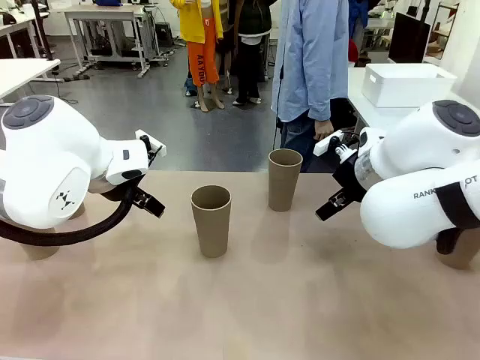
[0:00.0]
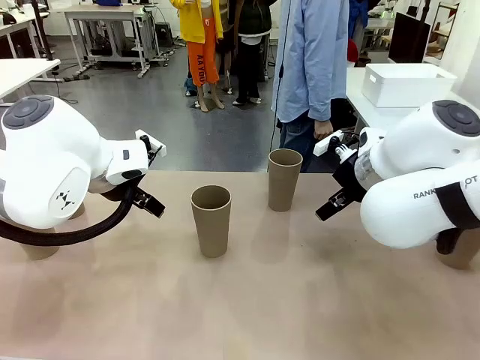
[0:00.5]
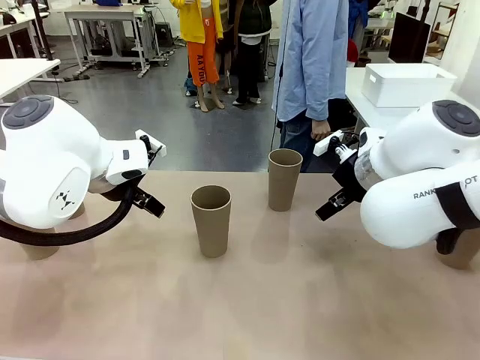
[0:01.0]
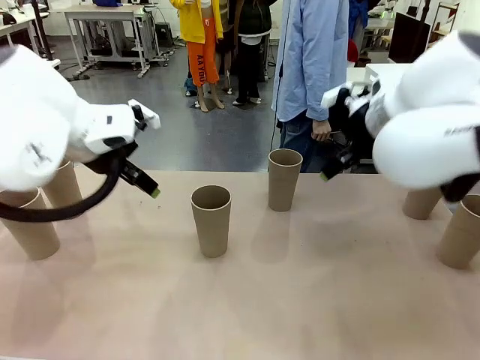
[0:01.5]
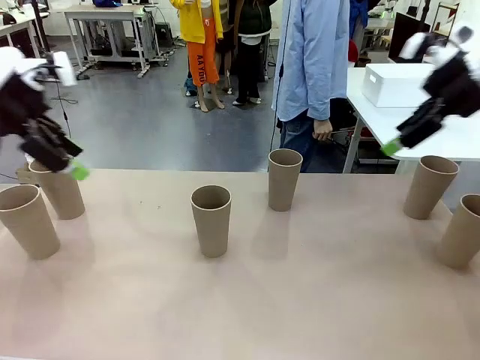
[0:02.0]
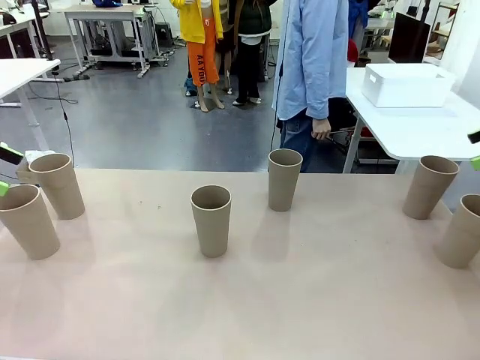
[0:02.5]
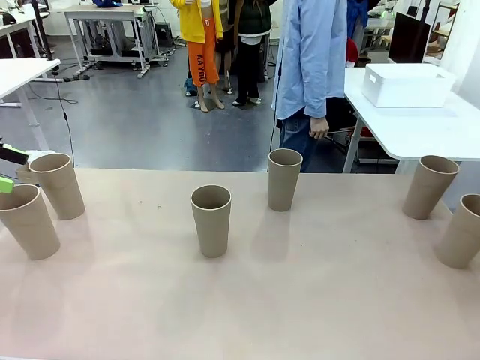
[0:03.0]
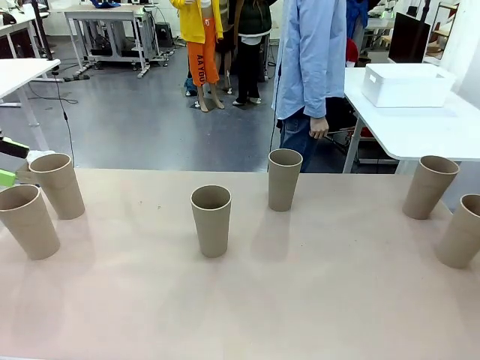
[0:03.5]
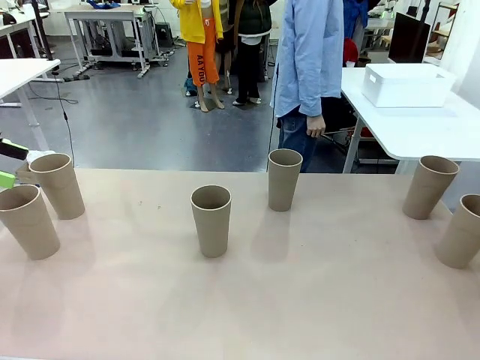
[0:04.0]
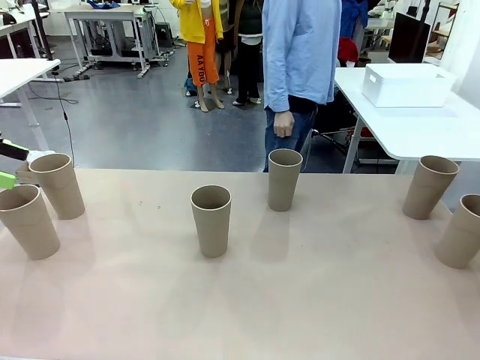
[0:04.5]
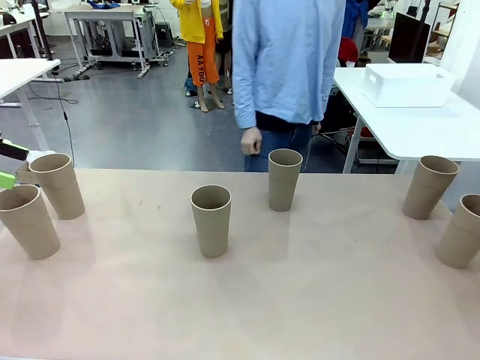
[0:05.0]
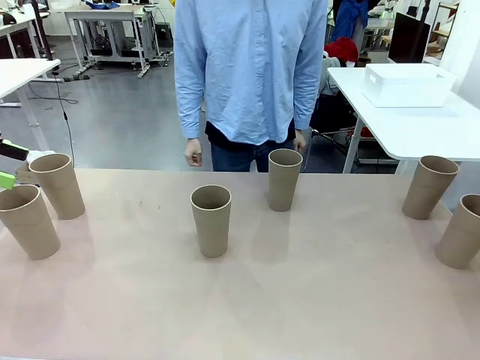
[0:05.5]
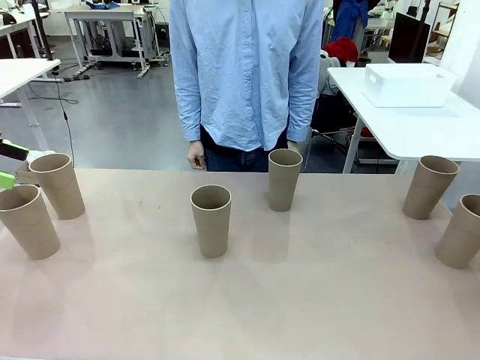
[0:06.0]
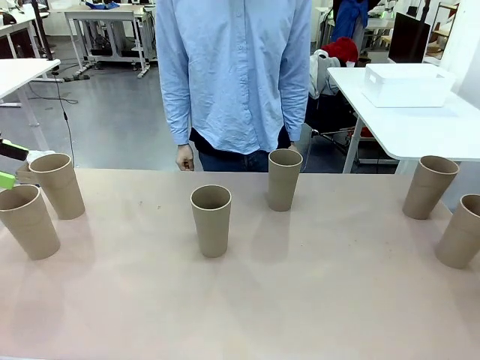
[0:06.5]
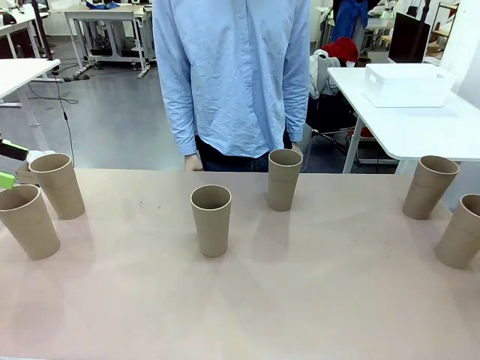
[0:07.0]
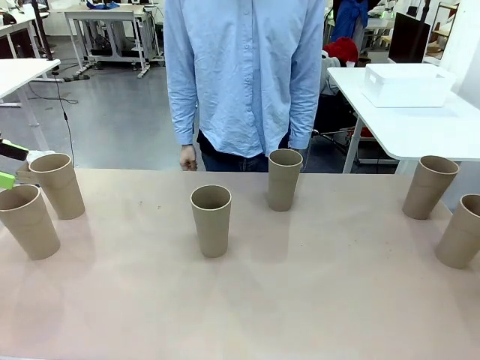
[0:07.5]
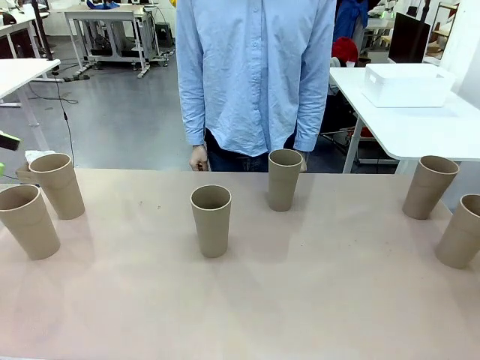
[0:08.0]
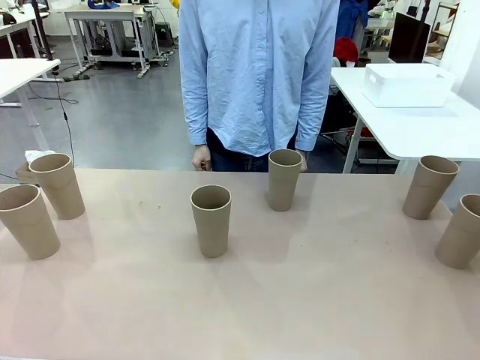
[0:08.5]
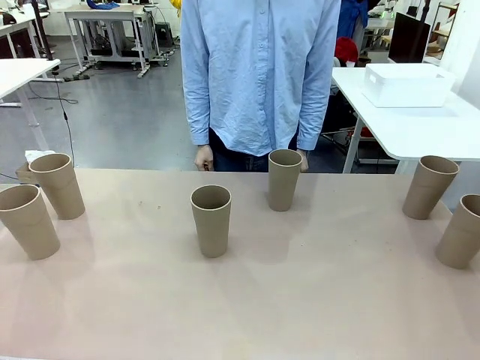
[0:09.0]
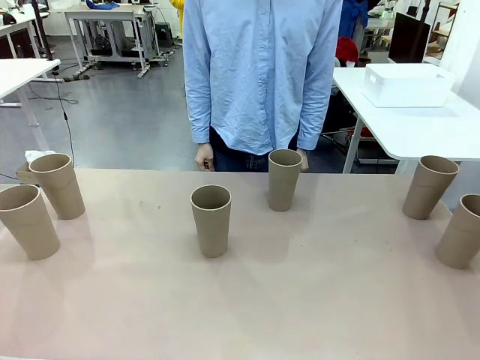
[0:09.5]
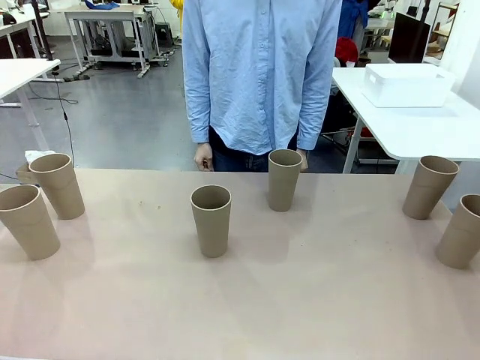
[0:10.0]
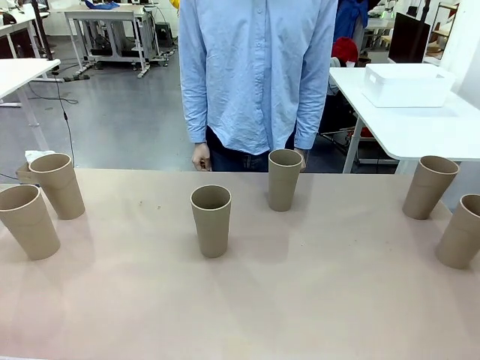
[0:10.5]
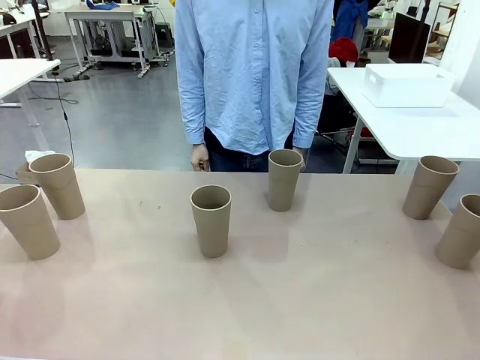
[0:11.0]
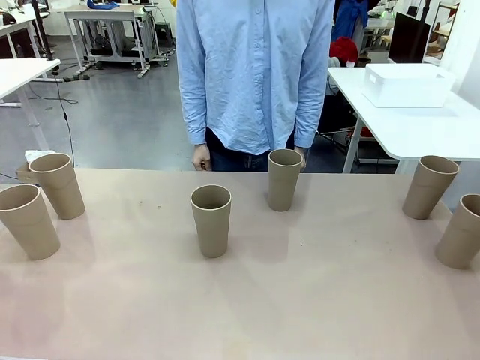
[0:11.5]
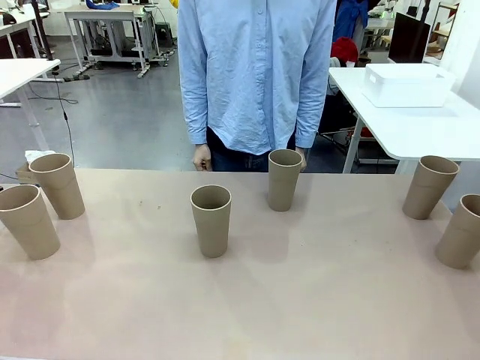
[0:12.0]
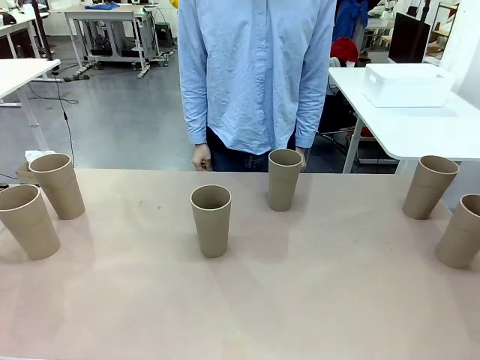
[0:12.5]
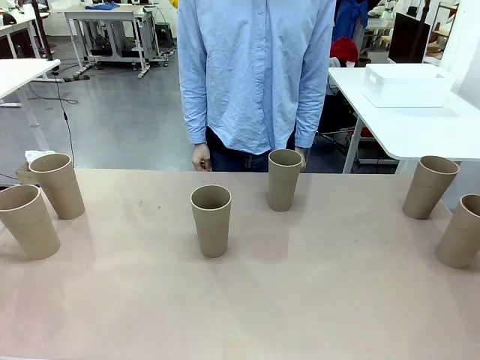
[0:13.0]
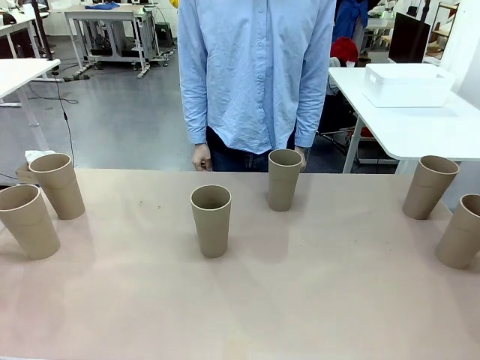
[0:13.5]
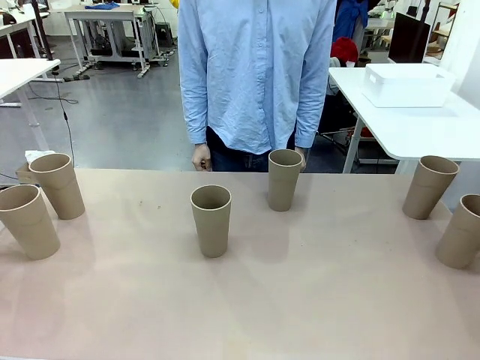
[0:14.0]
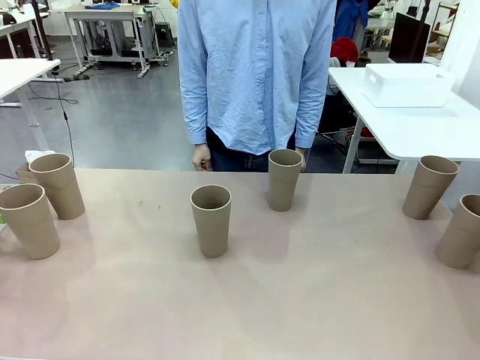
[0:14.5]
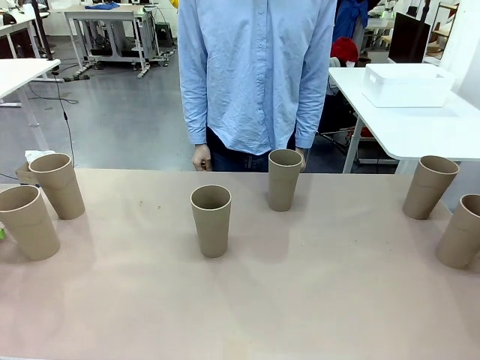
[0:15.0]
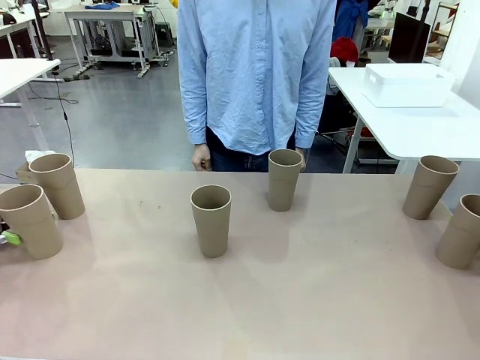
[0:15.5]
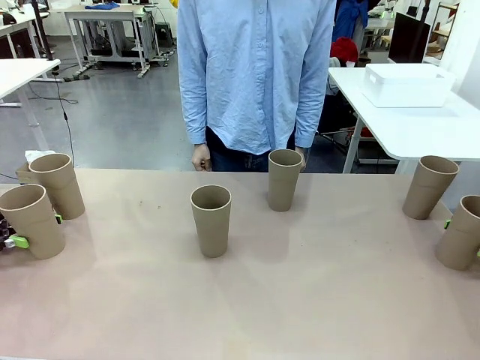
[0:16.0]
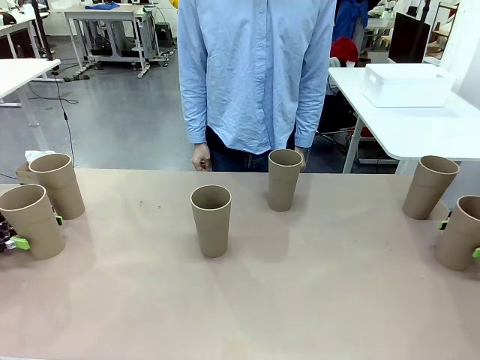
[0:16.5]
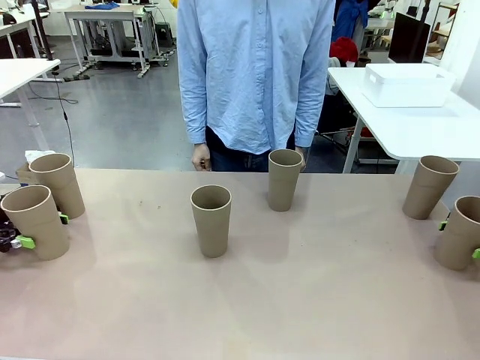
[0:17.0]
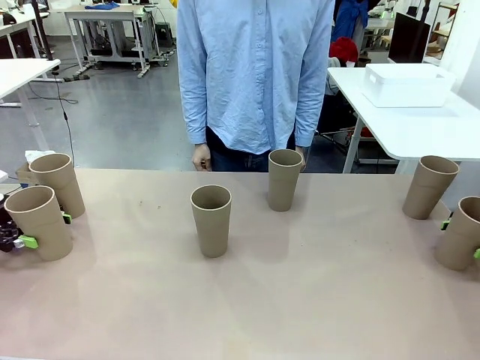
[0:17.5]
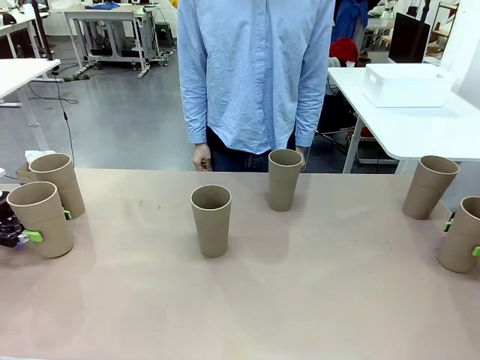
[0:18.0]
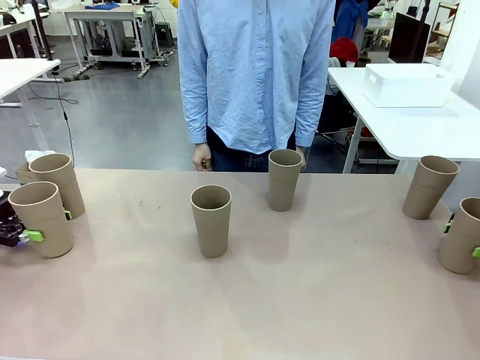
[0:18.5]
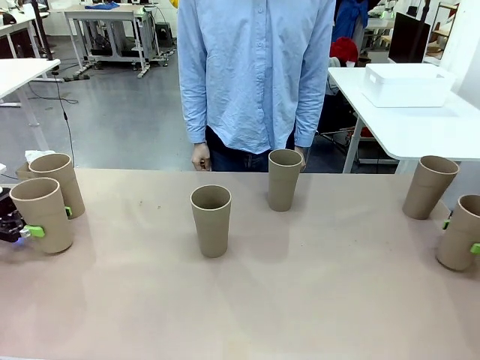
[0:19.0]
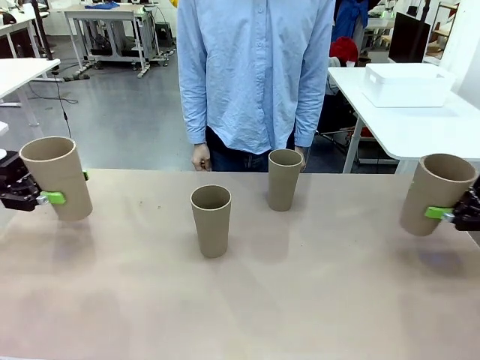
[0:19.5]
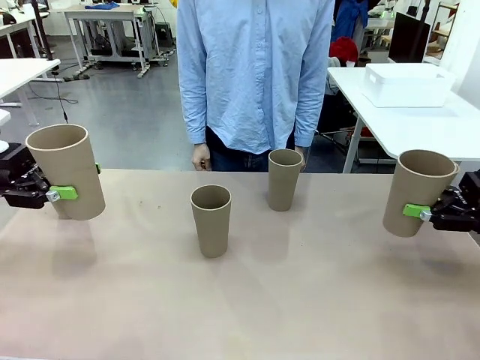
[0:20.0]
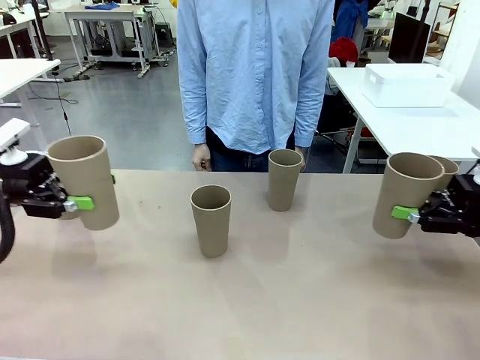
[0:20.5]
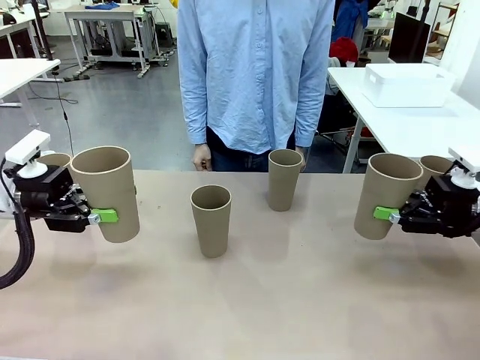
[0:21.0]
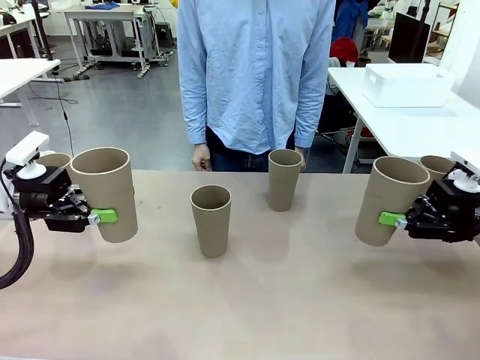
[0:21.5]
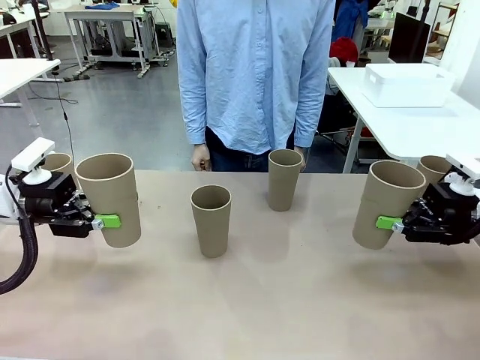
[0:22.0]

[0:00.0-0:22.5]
Task: Stack the cups and store them in the basket.
Robot: Pick up two Reusable plastic cups , one in each hand.
Person: Move from the Human Table to the front of the Robot Table. Stack two of the remaining cups on top of each cup held by the robot.
